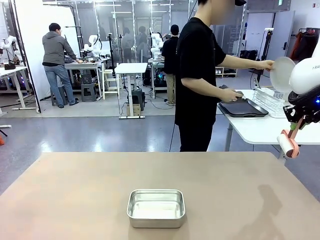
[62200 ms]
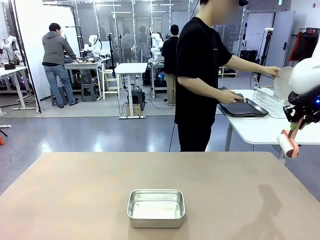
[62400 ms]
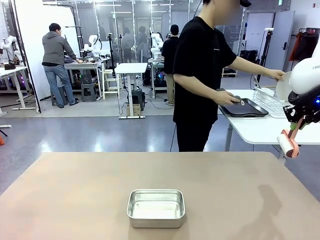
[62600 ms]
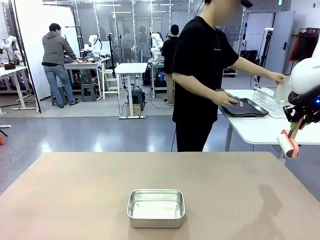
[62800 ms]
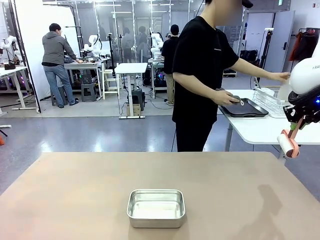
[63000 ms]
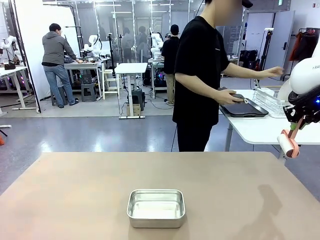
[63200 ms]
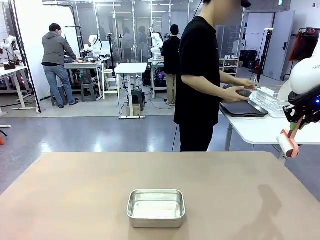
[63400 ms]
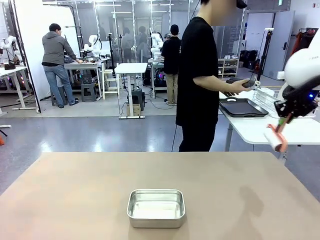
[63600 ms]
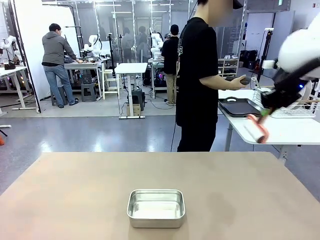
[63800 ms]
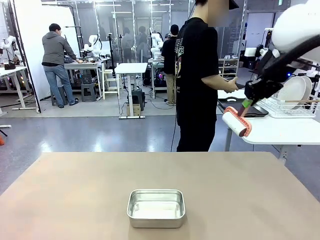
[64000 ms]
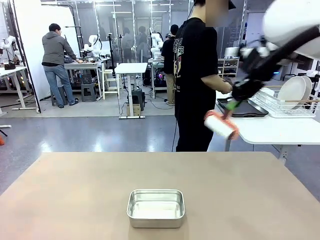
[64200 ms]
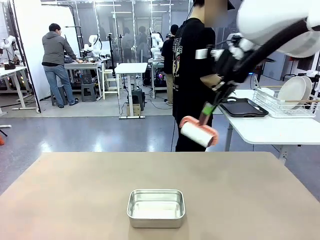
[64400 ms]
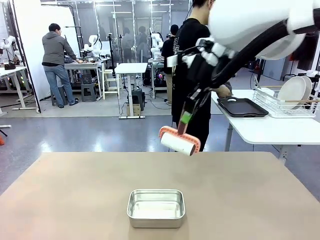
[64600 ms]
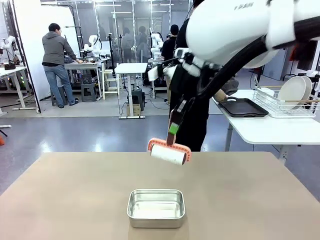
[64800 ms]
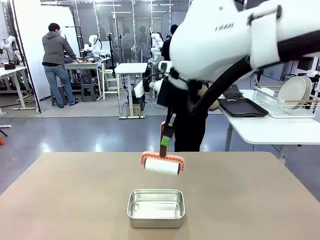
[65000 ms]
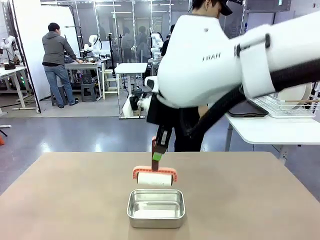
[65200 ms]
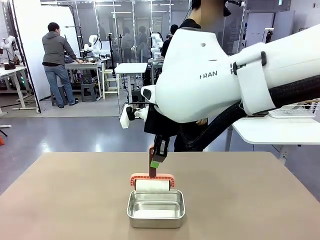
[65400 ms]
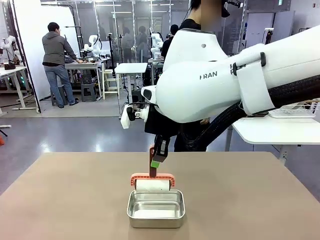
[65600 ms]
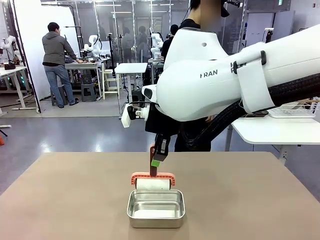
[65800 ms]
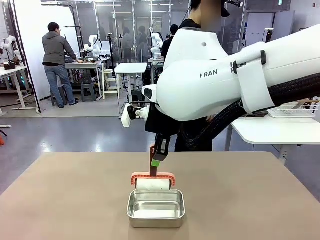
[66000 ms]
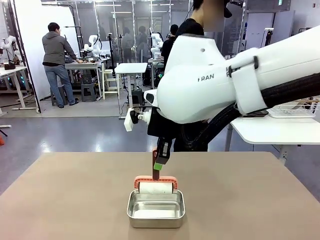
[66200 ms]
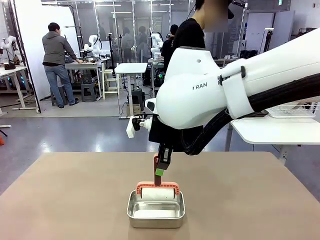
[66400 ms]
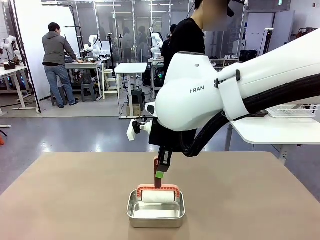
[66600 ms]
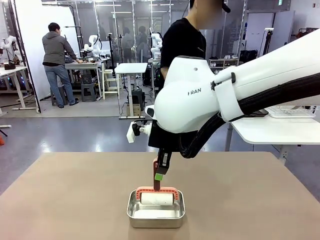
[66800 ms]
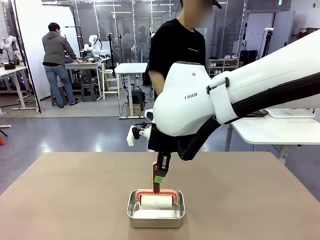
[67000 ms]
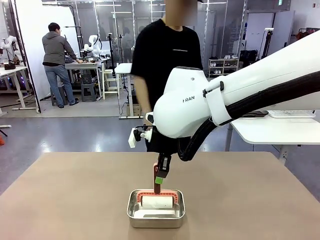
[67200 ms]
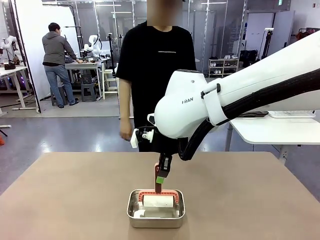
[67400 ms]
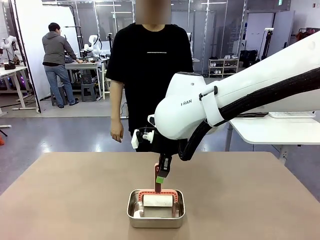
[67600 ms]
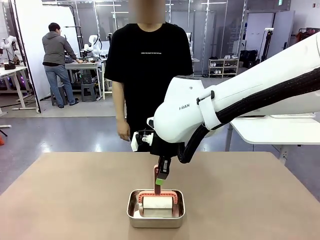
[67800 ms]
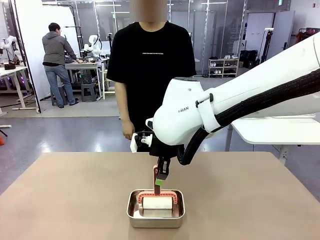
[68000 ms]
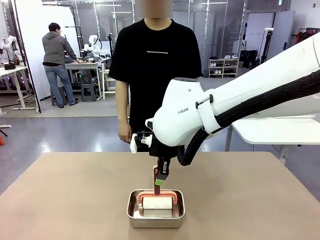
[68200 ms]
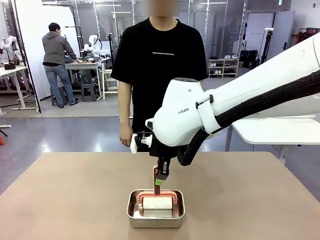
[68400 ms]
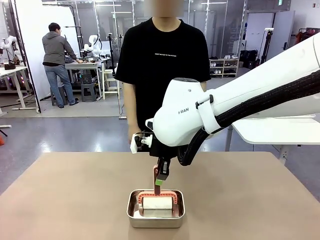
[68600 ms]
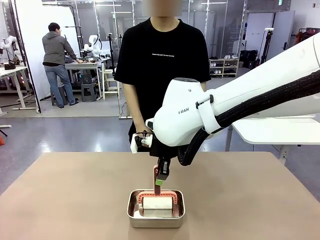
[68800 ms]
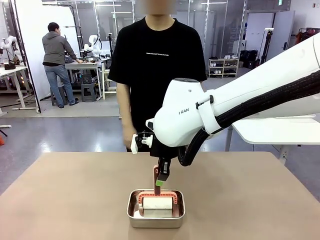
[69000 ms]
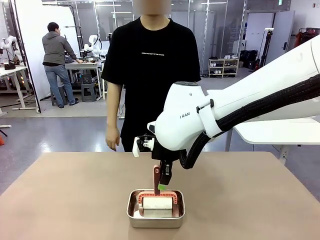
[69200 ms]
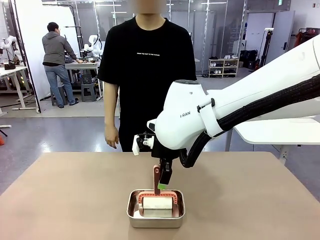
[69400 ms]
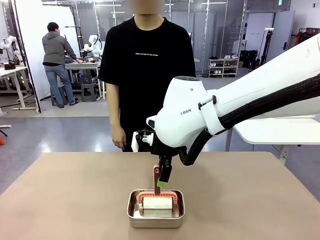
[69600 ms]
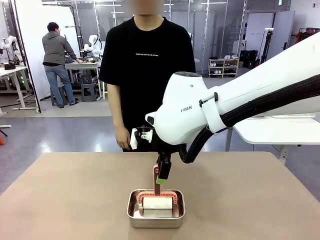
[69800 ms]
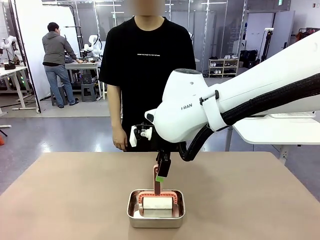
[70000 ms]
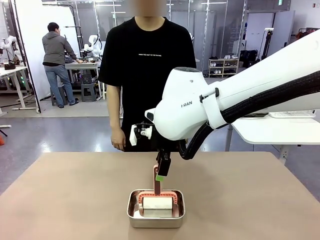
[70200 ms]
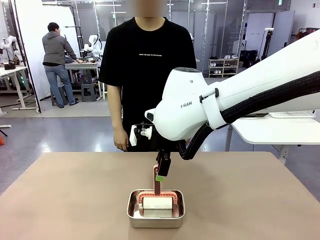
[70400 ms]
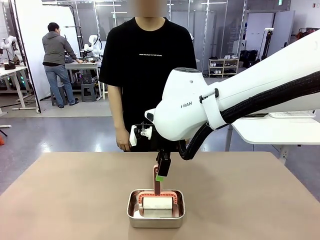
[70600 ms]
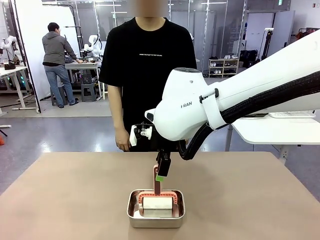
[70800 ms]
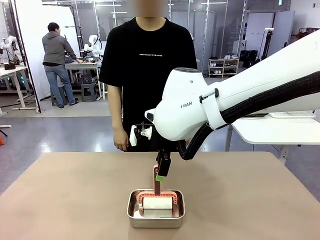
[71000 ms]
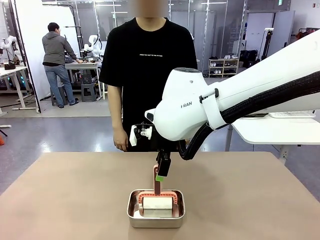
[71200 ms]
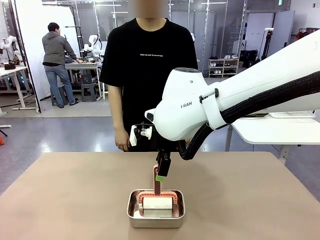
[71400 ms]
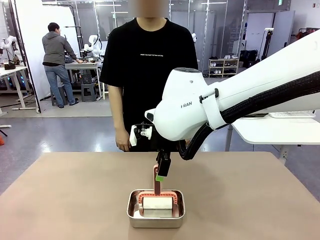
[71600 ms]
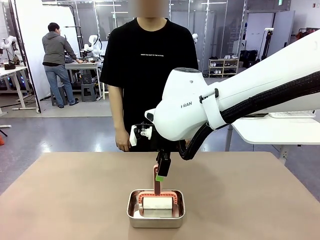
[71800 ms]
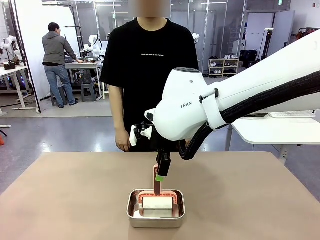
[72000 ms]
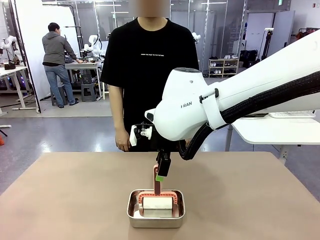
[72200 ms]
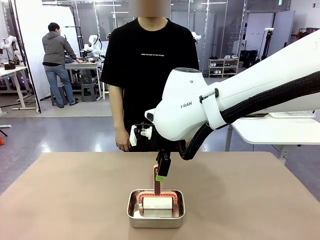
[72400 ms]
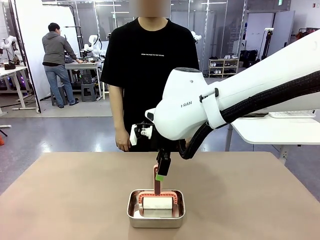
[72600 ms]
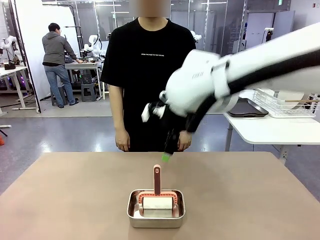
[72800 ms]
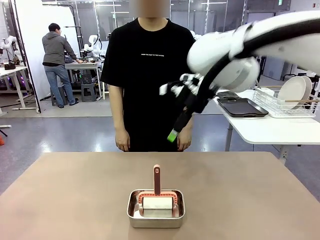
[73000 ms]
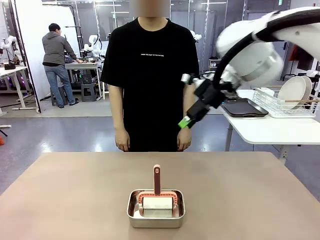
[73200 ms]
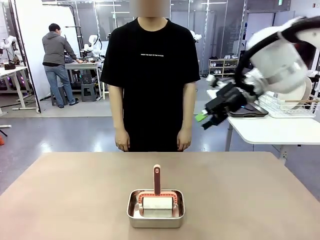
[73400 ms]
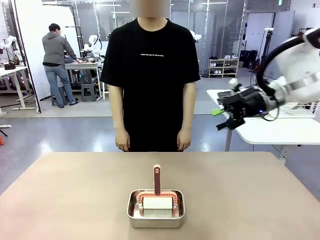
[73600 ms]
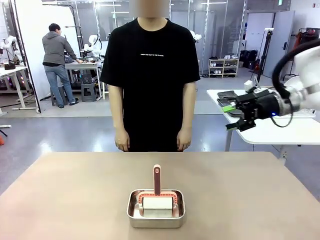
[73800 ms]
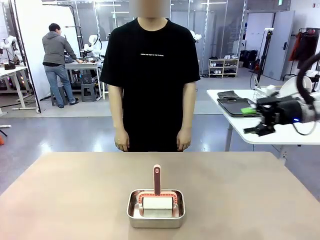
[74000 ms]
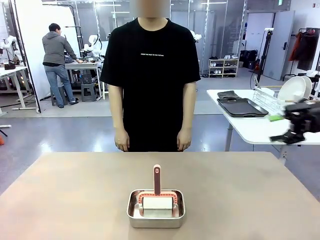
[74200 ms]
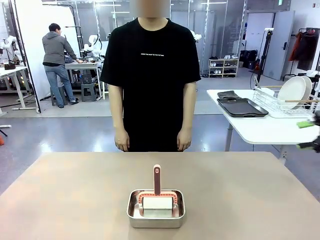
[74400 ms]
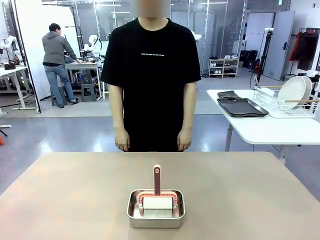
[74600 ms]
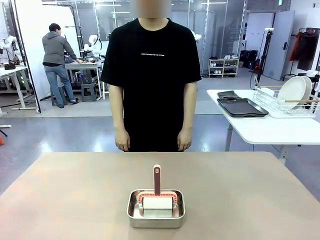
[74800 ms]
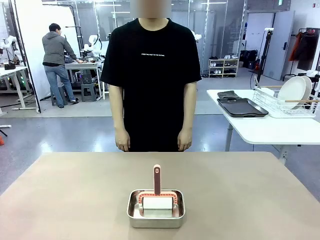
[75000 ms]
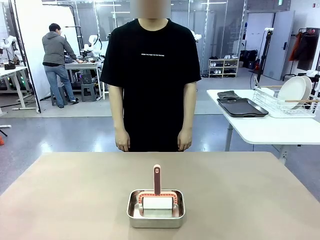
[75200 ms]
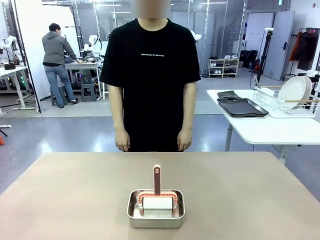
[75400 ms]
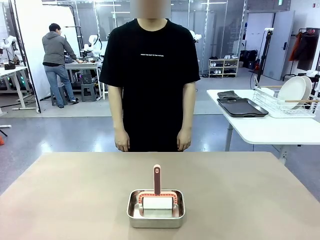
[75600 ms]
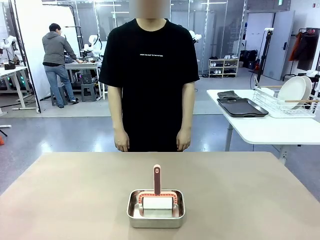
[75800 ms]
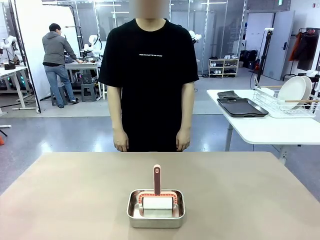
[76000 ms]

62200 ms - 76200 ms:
Robot: Place the Lint Roller back on top of the Airtight Container.

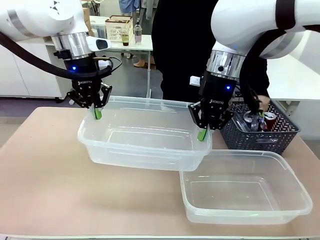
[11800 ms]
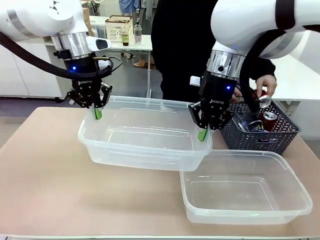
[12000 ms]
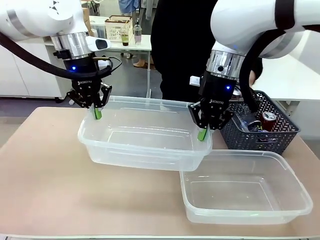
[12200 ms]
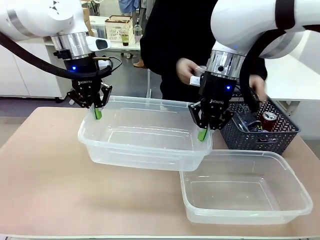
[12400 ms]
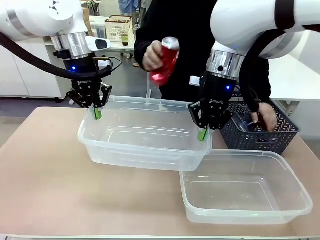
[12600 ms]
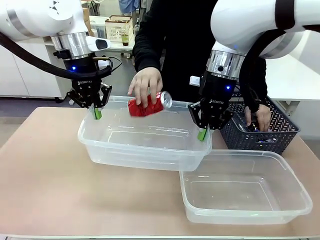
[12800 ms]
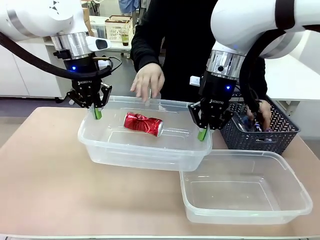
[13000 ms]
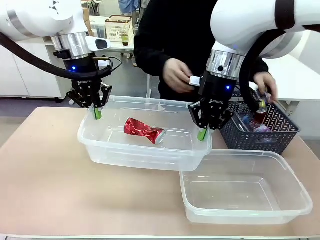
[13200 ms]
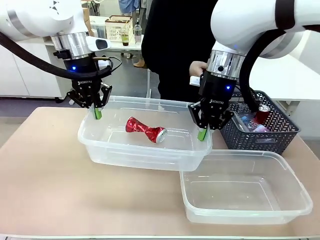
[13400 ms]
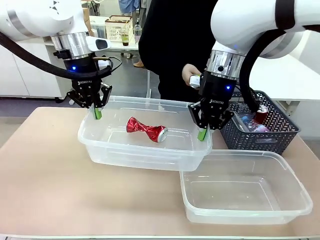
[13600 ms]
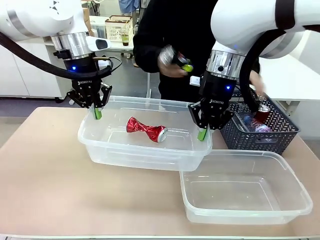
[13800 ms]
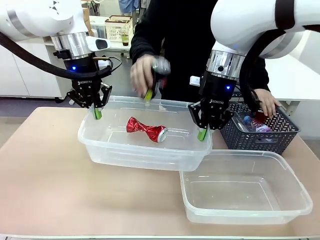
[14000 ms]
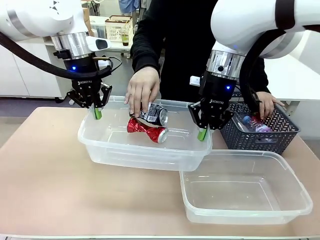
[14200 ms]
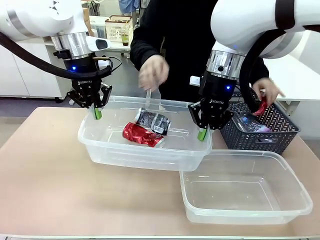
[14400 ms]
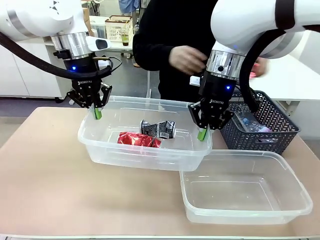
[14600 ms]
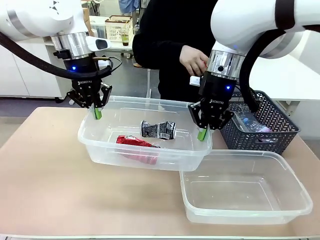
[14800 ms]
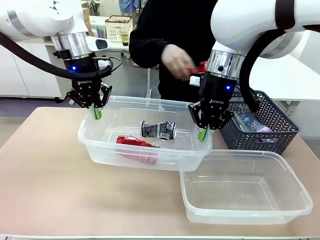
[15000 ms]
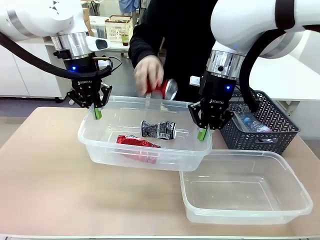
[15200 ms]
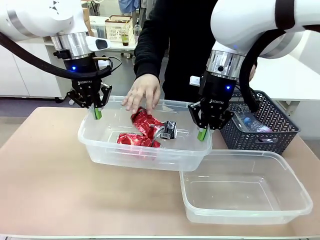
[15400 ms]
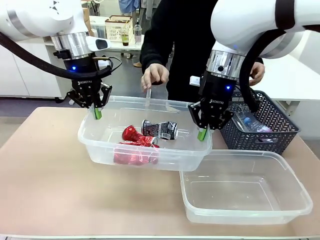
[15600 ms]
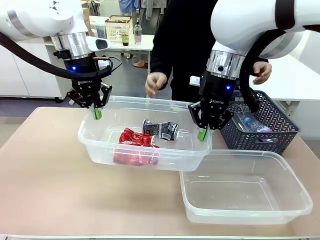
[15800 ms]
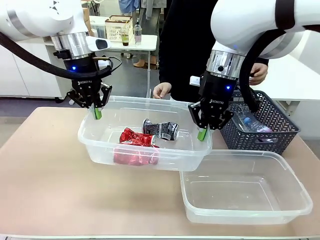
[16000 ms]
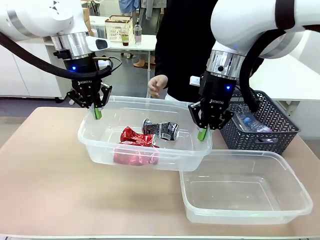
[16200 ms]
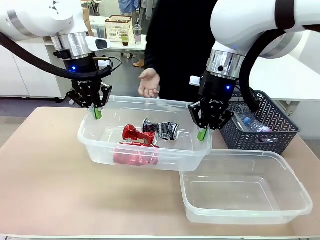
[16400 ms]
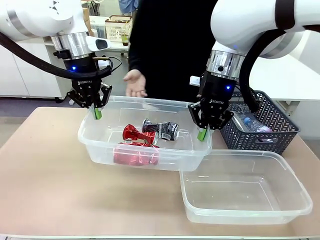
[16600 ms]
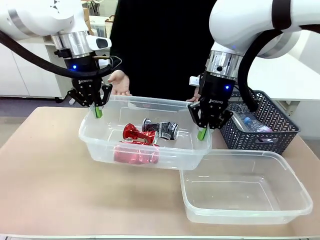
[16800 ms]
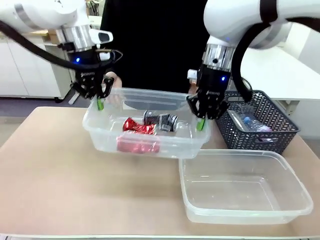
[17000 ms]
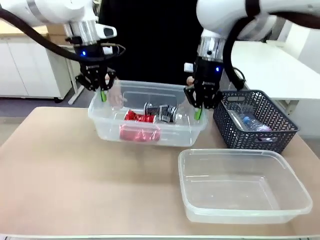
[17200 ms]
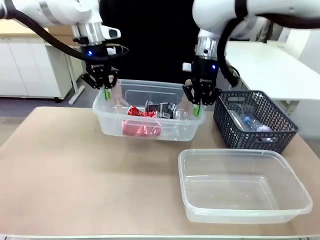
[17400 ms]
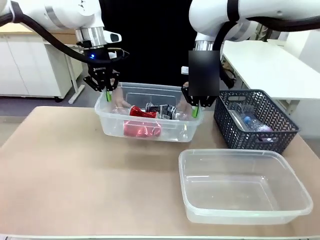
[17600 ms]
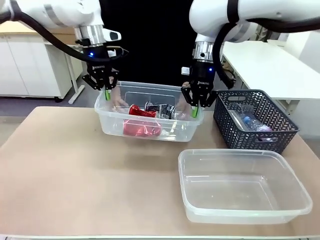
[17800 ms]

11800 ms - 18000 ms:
Robot: Offer the picked Organizing box to the human.

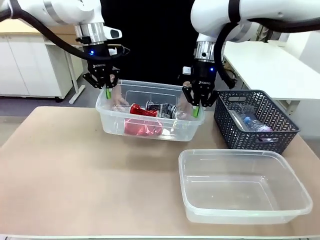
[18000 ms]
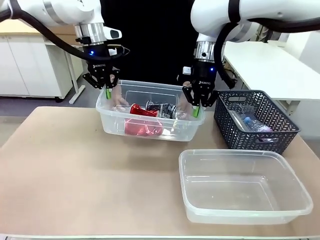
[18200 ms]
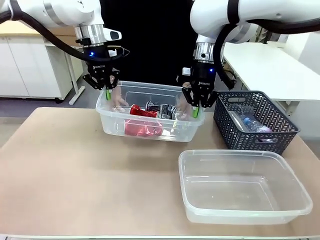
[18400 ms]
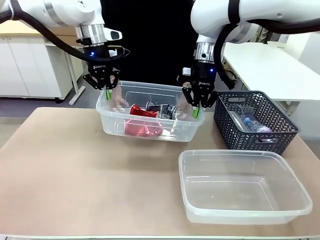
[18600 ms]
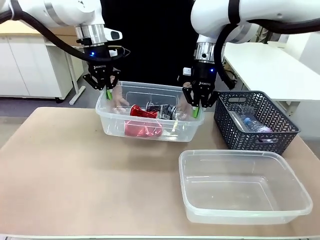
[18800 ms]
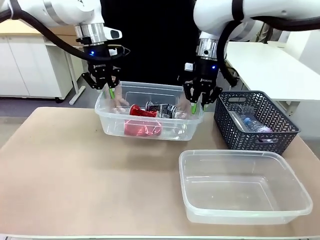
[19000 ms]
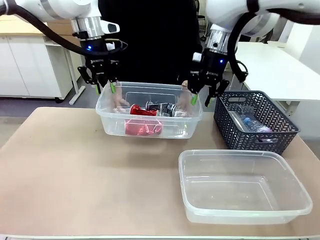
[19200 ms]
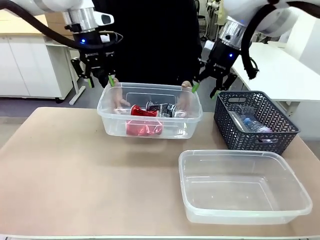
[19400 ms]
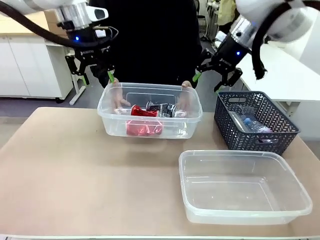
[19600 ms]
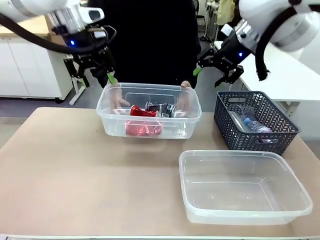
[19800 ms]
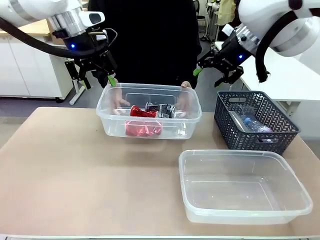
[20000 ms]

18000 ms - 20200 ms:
Robot: Release the Organizing box you were holding.
